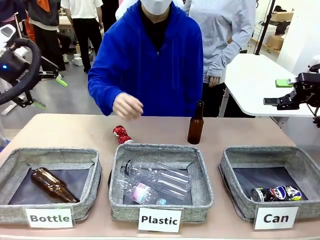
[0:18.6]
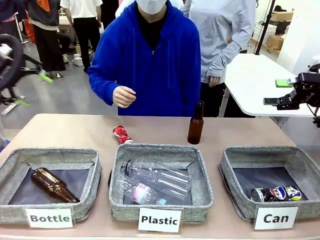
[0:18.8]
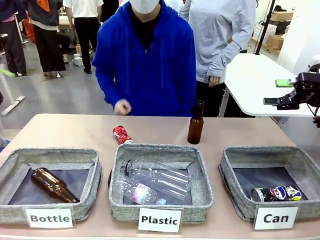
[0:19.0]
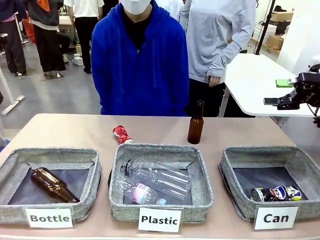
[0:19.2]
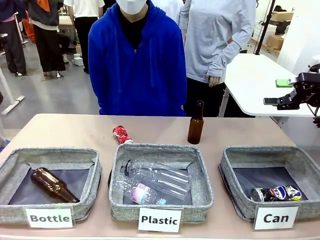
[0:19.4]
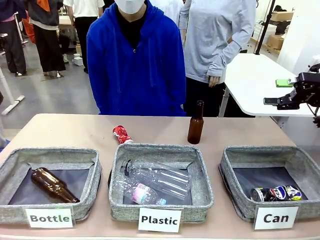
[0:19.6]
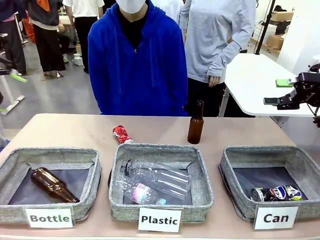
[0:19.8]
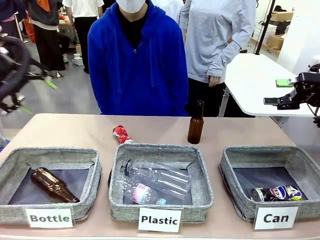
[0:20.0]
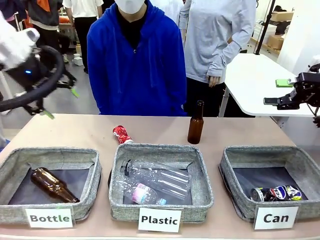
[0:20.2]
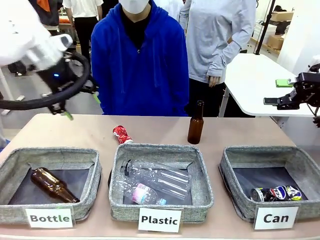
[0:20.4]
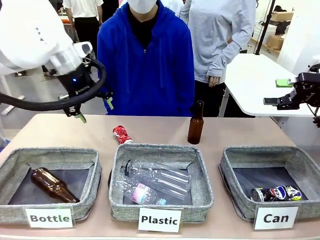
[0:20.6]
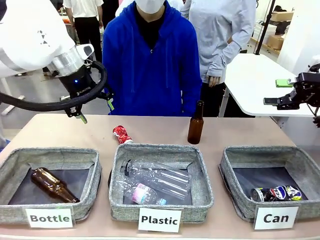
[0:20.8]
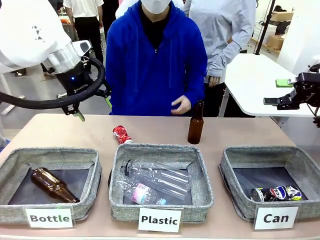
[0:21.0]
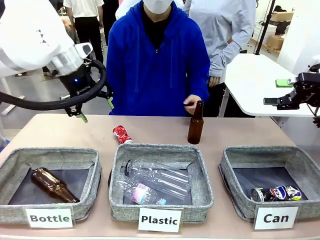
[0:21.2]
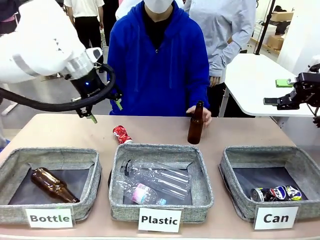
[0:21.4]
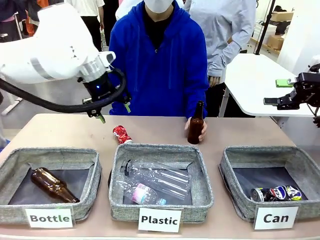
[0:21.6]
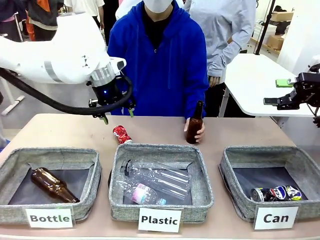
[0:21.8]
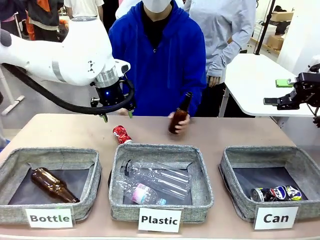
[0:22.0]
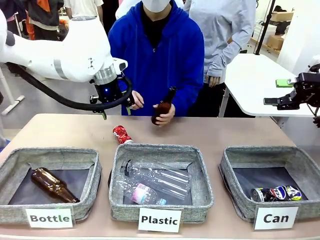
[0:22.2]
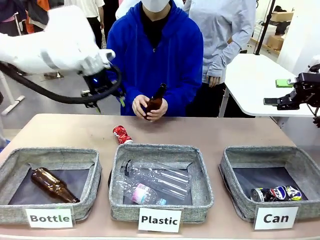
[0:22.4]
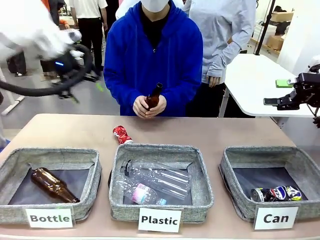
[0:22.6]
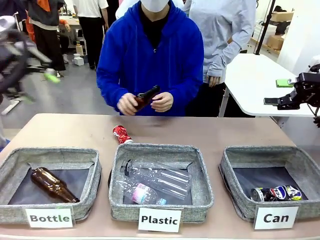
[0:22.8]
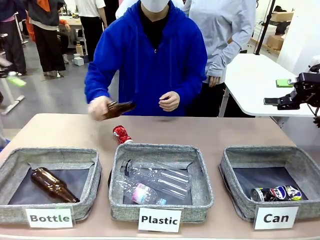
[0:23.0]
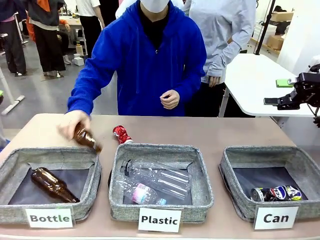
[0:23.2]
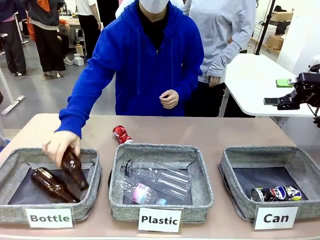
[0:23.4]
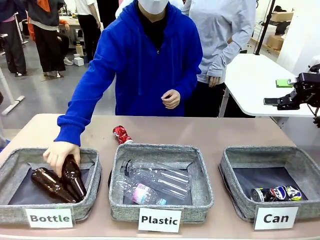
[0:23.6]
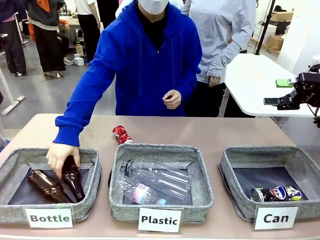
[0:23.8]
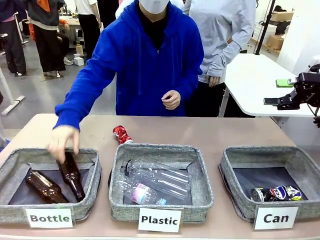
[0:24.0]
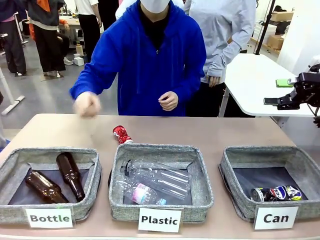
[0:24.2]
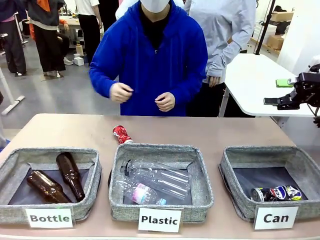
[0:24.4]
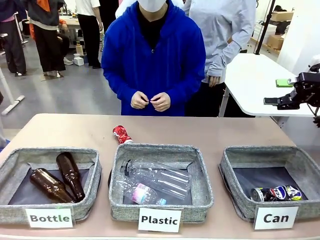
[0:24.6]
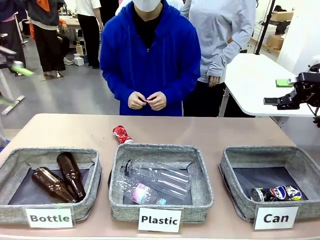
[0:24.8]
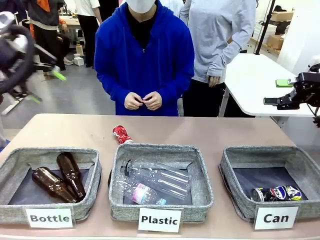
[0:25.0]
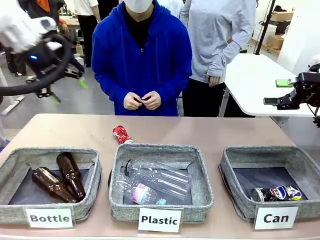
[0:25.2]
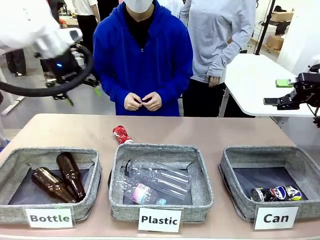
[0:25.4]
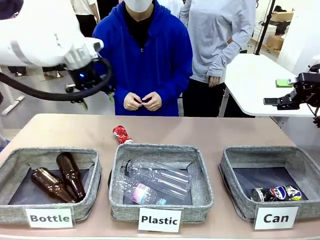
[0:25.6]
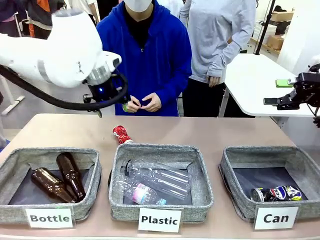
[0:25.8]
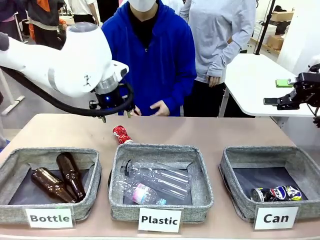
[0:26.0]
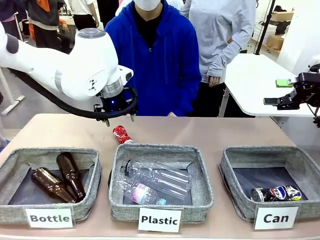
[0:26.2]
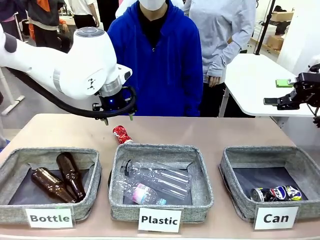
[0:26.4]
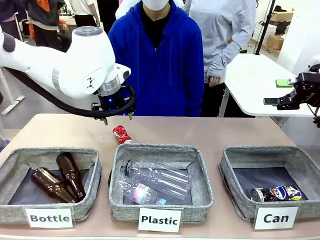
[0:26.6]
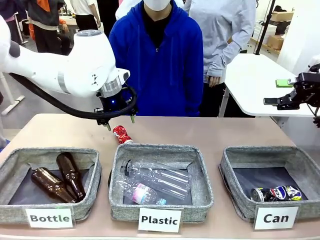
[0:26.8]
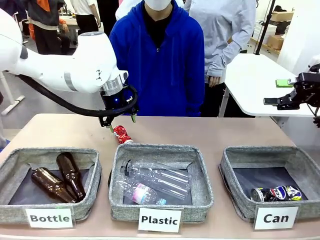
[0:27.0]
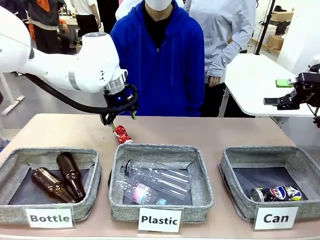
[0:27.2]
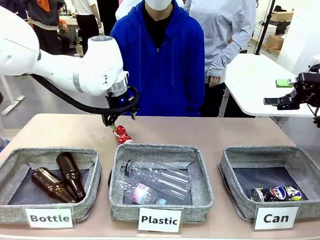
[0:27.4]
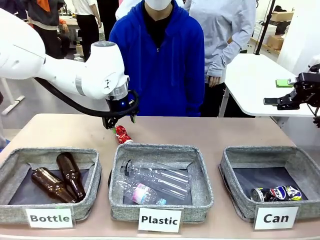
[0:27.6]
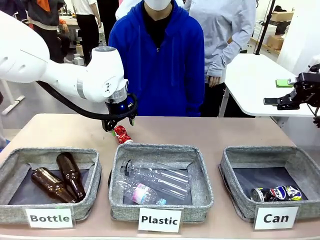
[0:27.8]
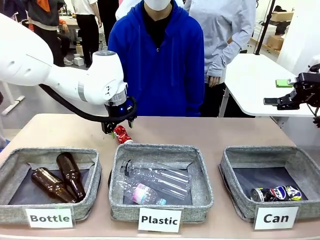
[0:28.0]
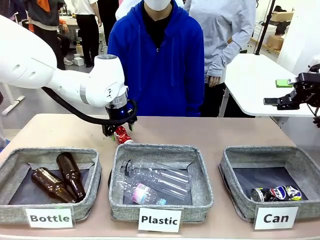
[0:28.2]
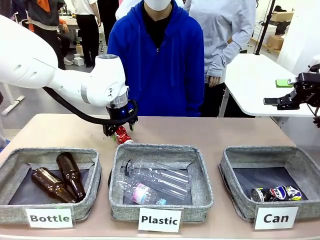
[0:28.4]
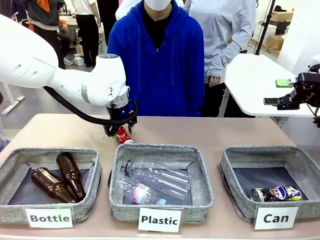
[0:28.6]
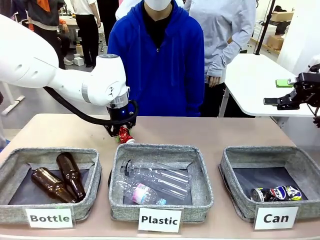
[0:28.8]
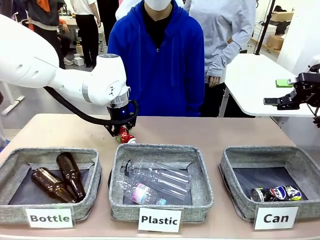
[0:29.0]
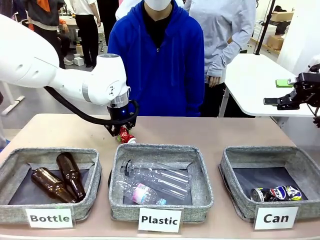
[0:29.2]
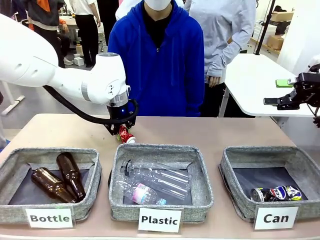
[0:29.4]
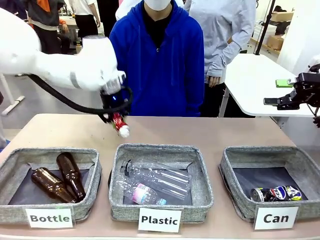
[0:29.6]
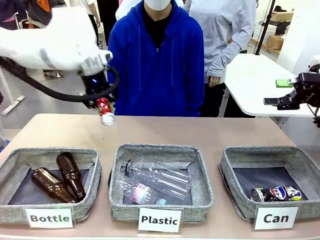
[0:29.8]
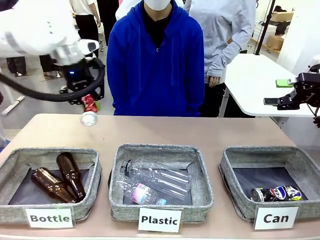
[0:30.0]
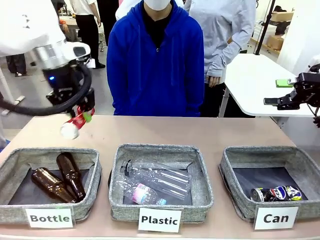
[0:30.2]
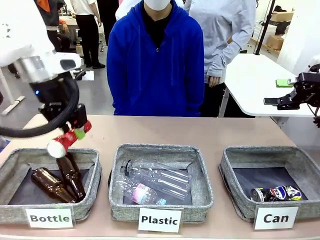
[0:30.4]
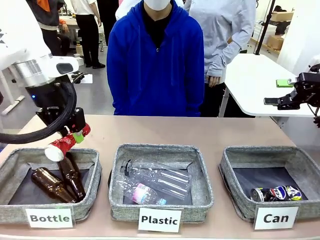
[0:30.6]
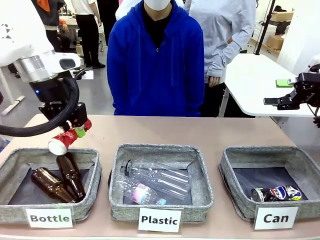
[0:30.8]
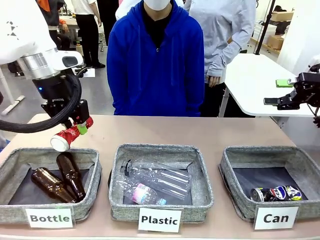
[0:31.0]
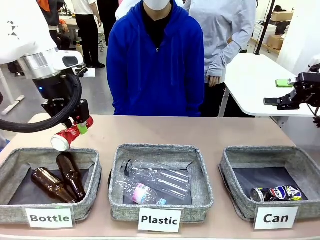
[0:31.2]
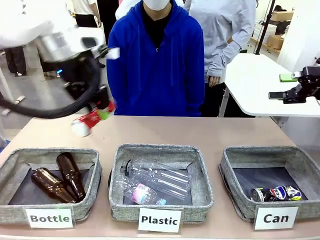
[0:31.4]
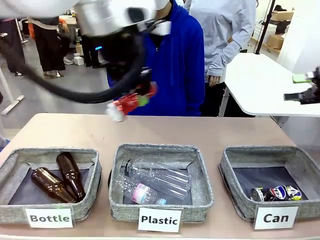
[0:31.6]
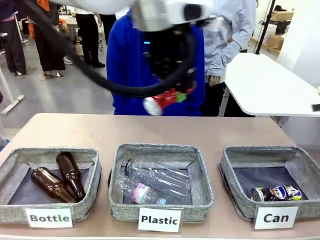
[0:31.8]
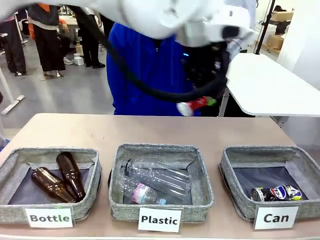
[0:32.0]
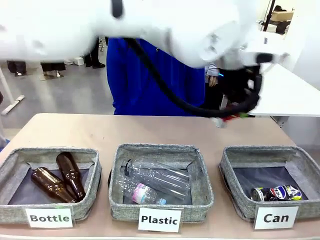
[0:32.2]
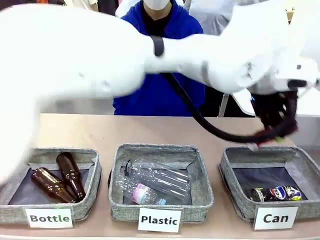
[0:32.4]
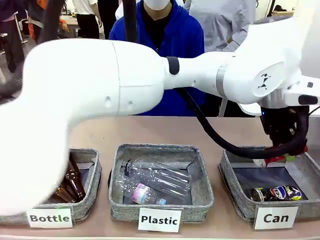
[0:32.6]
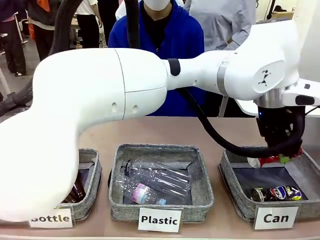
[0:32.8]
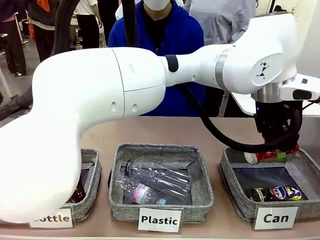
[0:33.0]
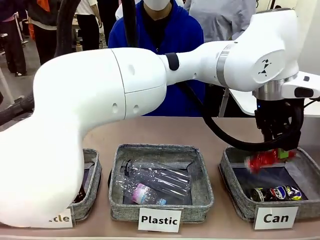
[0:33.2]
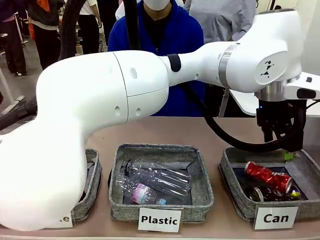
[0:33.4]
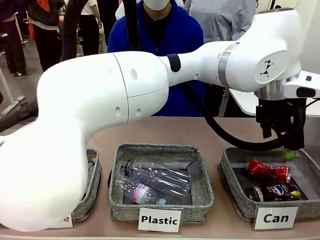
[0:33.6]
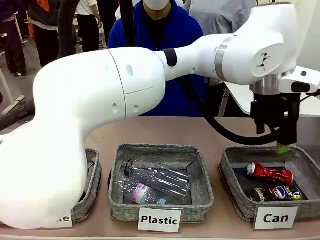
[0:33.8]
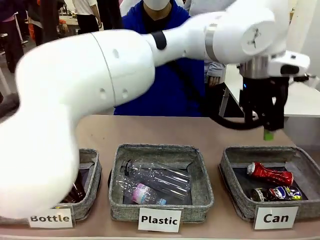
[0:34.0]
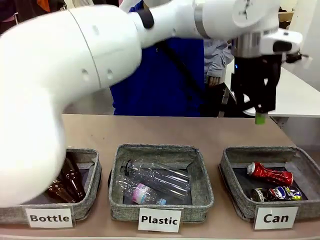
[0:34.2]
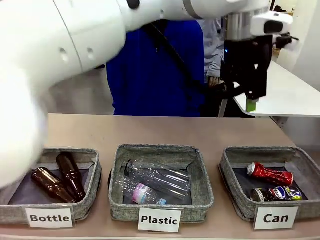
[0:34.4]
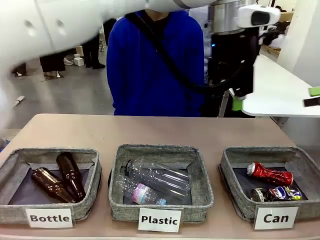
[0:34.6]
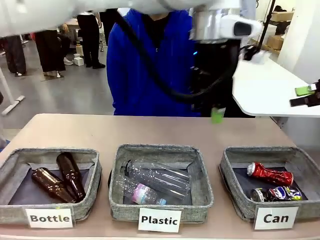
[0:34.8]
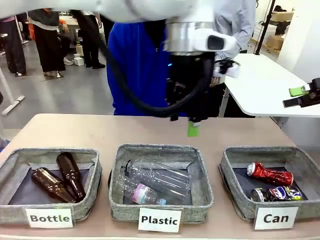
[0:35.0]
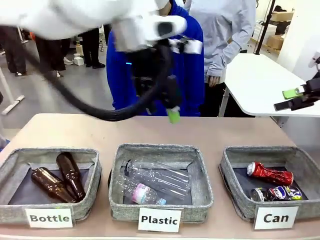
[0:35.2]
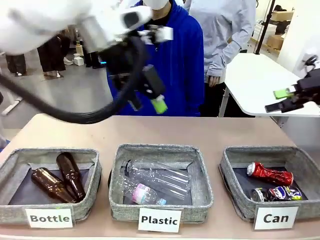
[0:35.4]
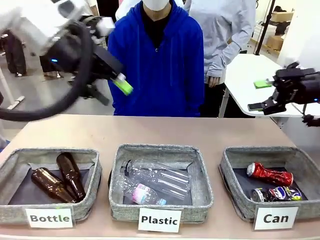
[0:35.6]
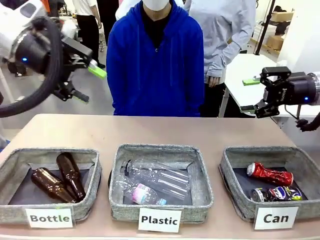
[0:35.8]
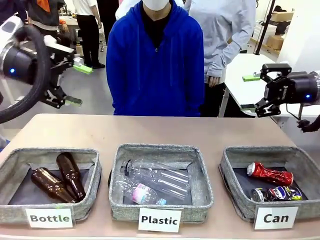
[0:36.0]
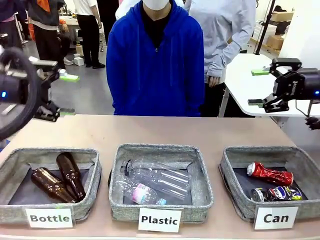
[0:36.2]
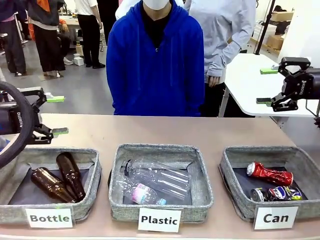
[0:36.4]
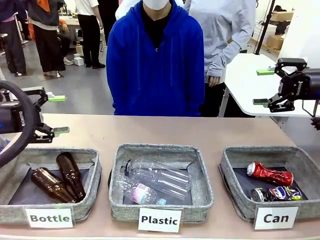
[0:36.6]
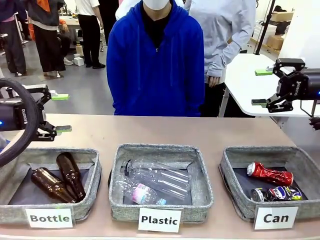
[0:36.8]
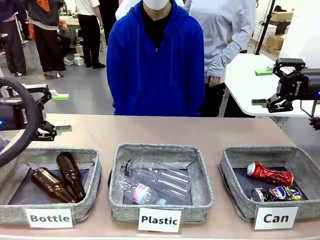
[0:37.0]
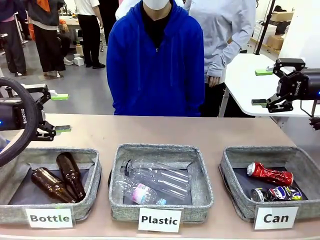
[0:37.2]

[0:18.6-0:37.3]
Task: Sort the can waste into the basket.
Robot: Pick up the can waste from the table and place it in the right Fabric basket.
Person: The human picks up one piece of trash that is not a can and places the trash into the appropriate organizing basket.
